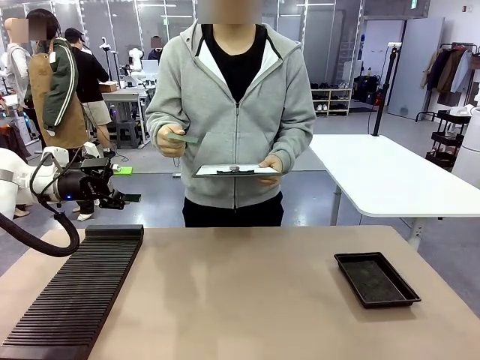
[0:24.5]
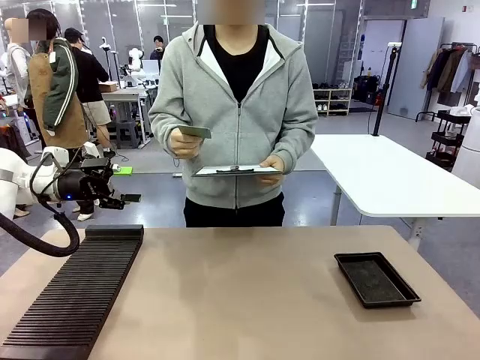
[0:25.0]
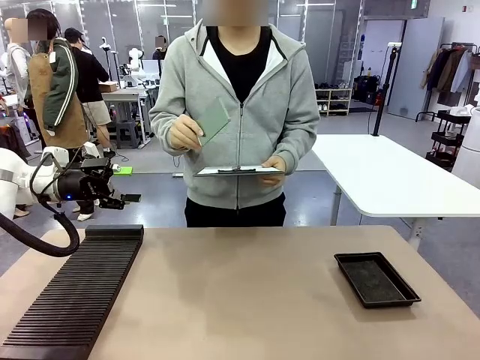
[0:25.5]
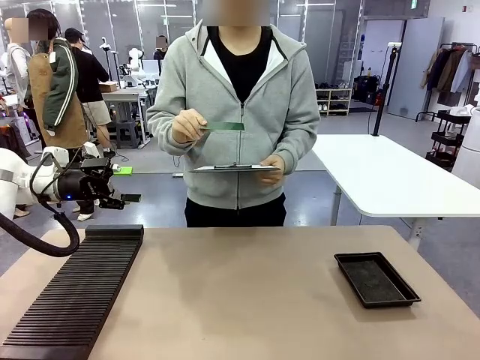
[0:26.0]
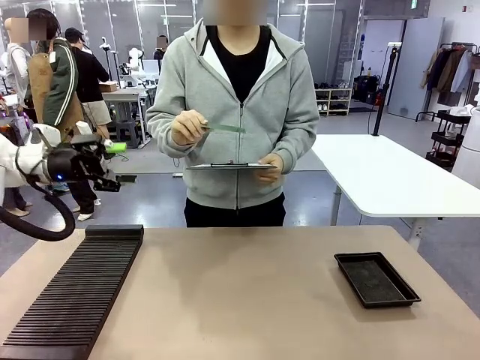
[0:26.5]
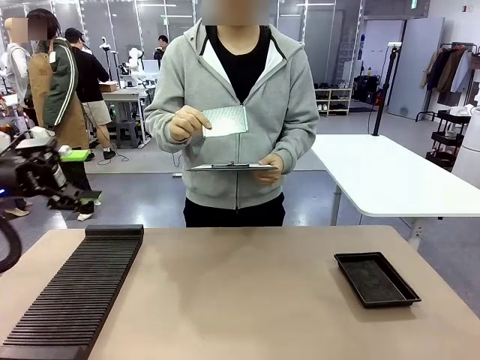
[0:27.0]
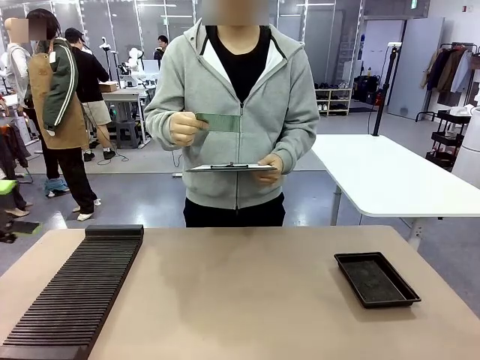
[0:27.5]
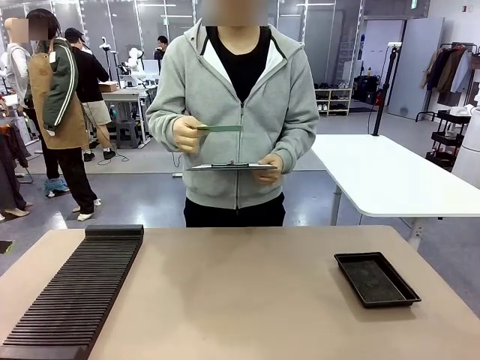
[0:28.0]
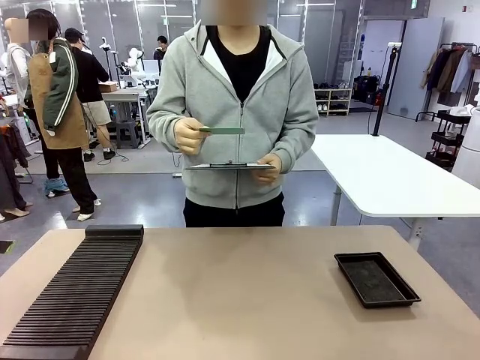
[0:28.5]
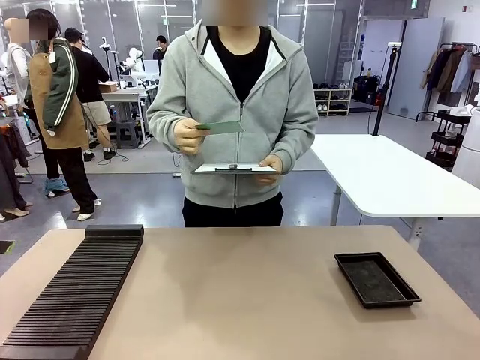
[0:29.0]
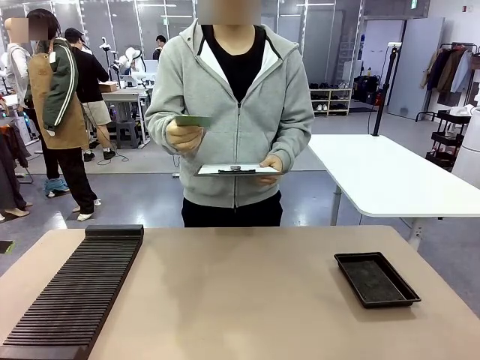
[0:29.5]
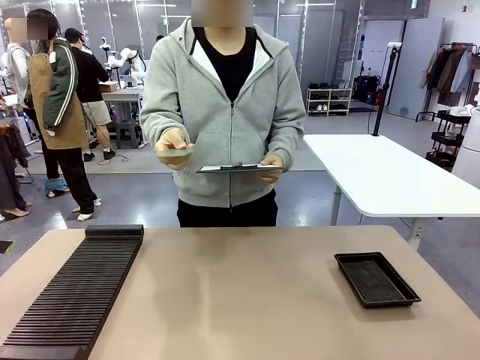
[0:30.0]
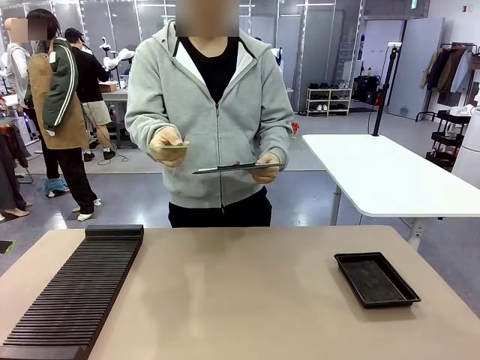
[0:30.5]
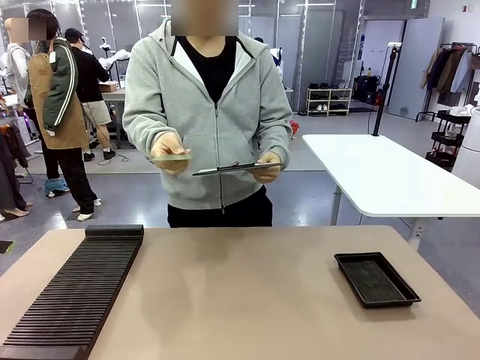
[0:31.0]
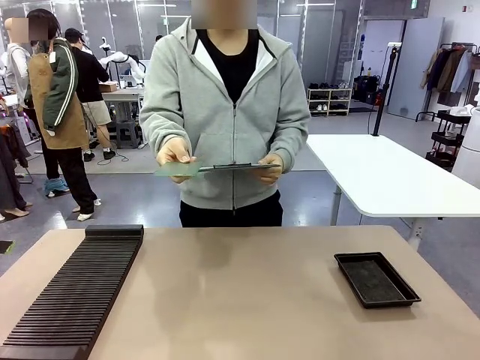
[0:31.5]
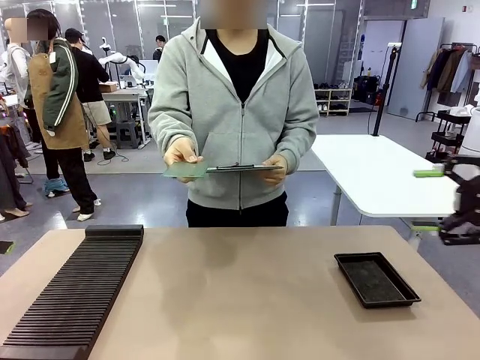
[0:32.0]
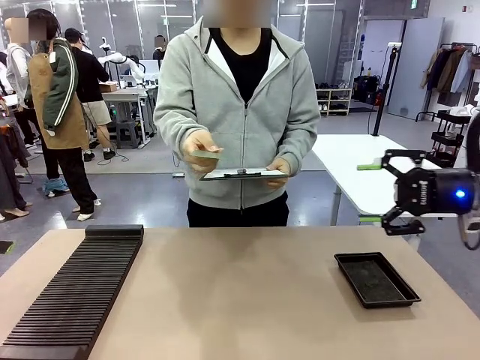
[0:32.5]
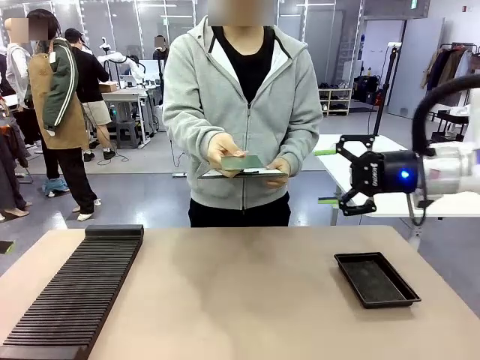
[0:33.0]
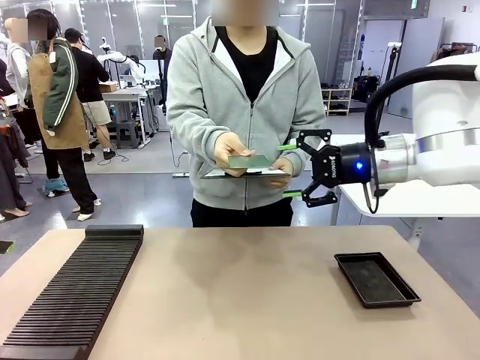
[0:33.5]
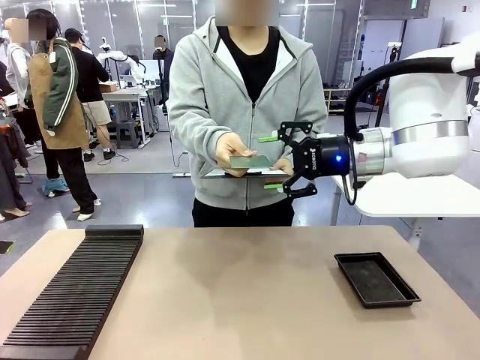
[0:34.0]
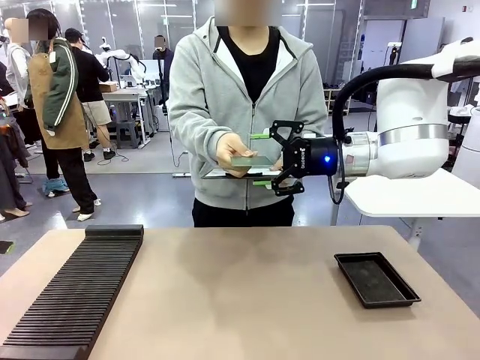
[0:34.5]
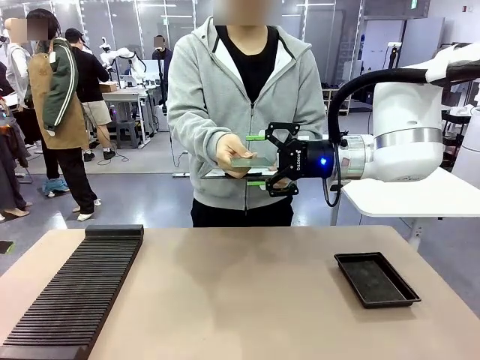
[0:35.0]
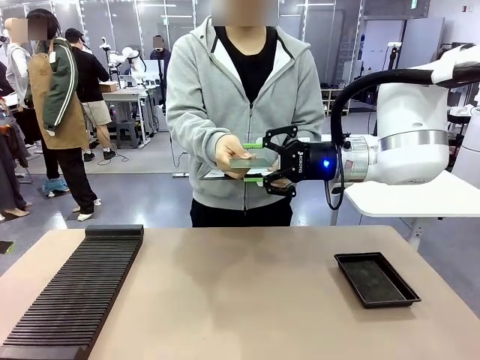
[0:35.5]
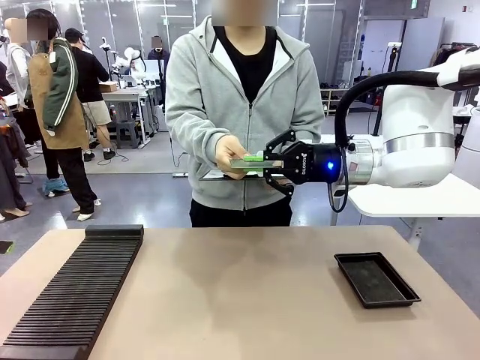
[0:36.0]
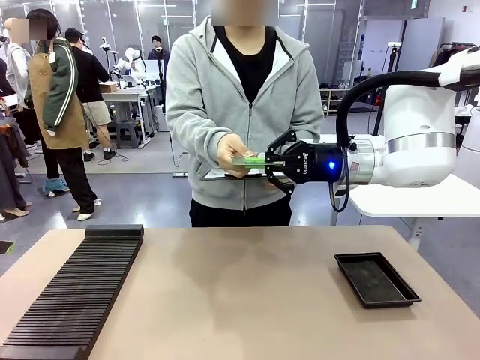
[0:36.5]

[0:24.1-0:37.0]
Task: Inspect the PCB.
Robot: Pick up the Blank PCB that the human is holding.
Person: Inspect the PCB placed by the robot, then hold it out in front of the robot. Release the PCB you were holding.

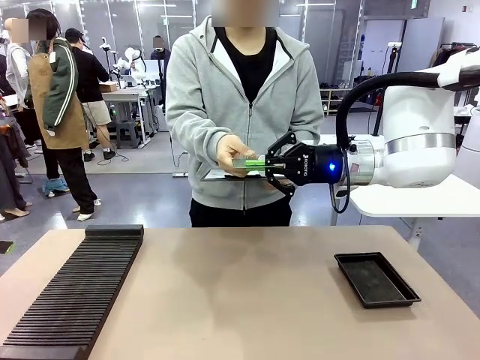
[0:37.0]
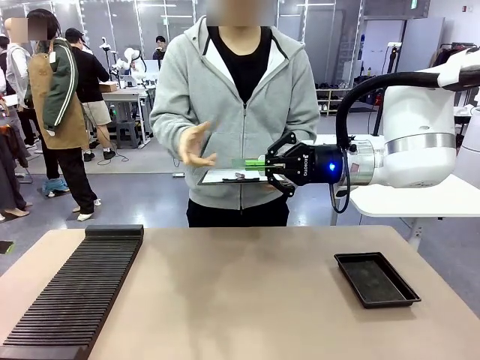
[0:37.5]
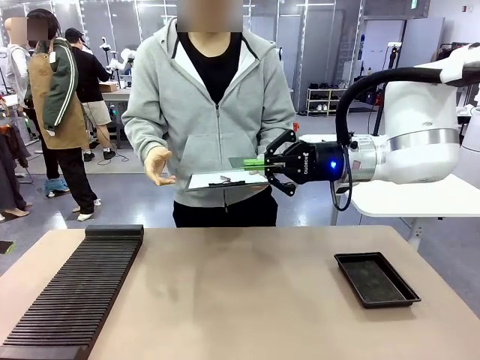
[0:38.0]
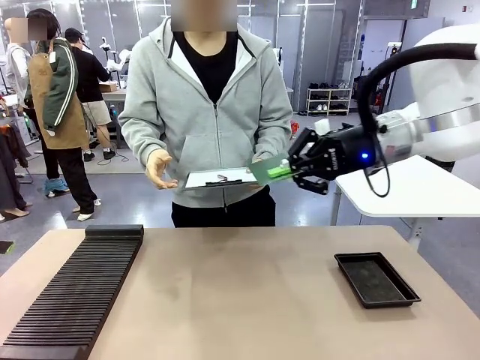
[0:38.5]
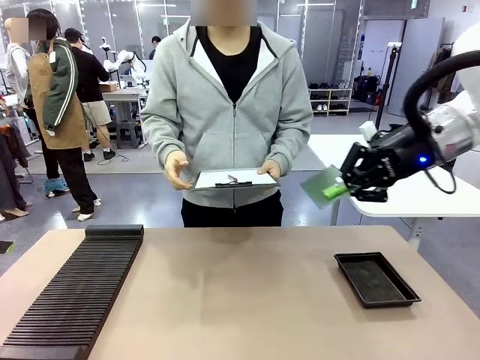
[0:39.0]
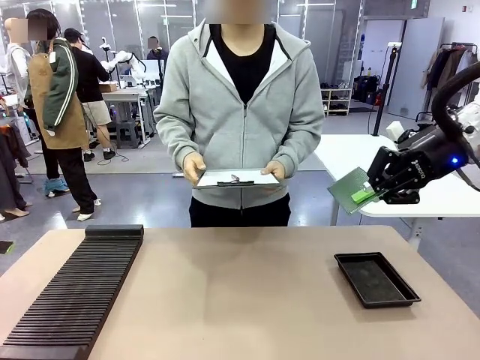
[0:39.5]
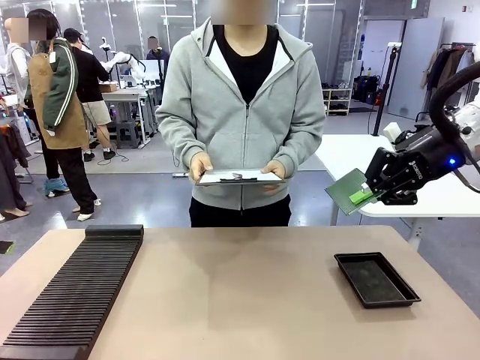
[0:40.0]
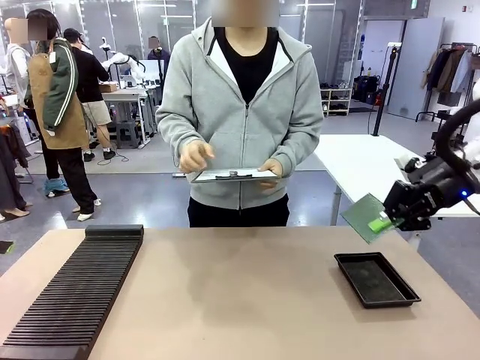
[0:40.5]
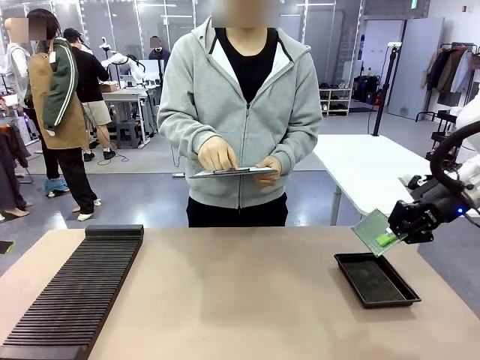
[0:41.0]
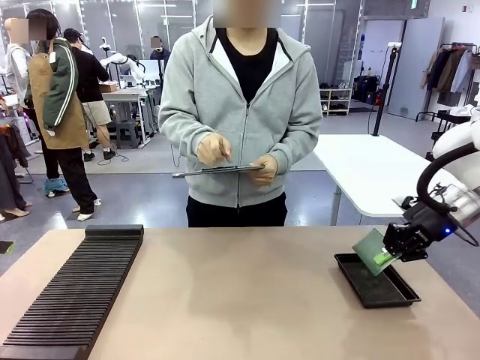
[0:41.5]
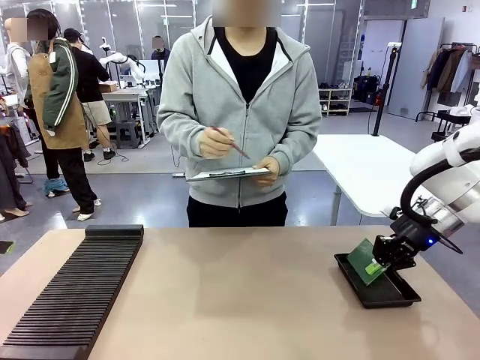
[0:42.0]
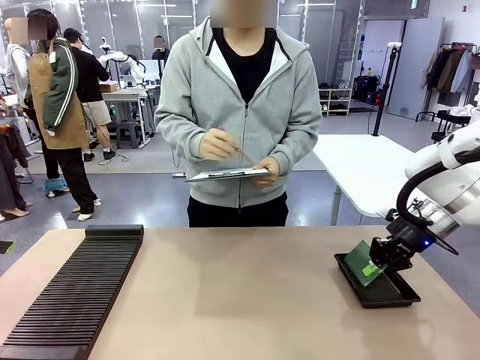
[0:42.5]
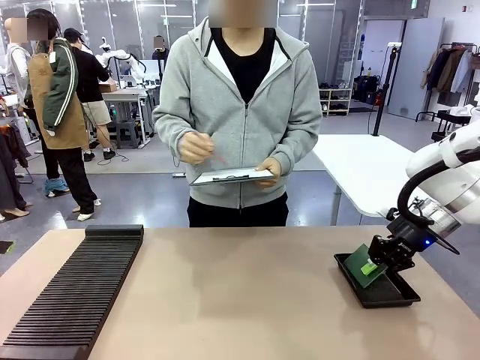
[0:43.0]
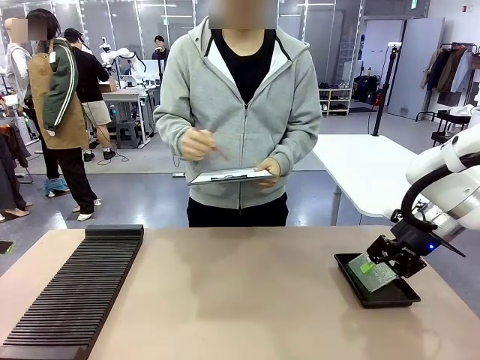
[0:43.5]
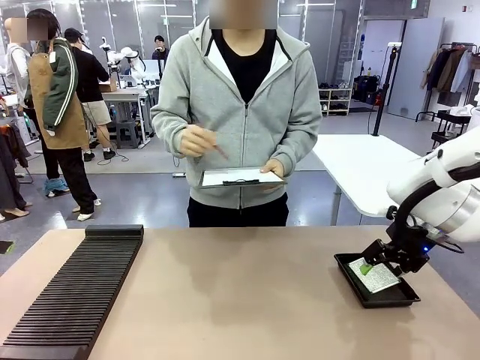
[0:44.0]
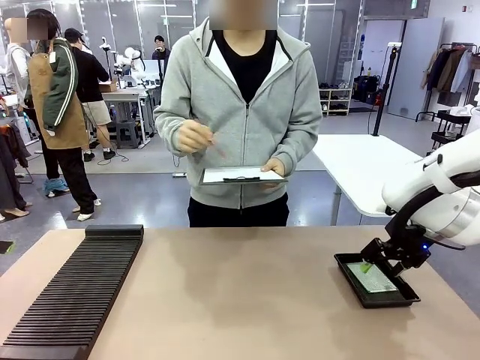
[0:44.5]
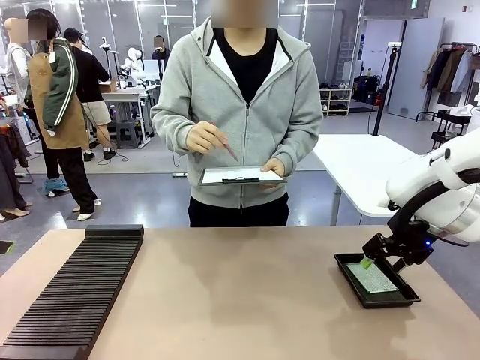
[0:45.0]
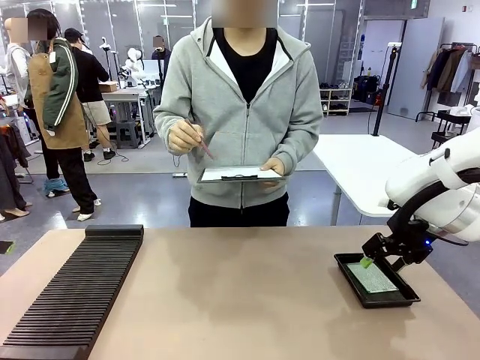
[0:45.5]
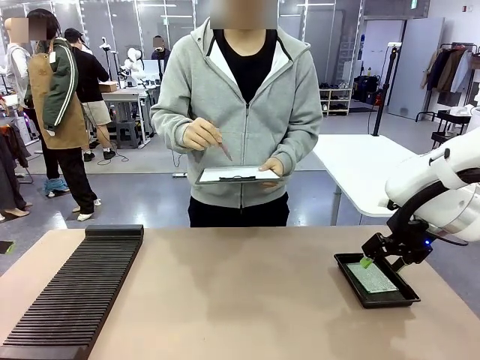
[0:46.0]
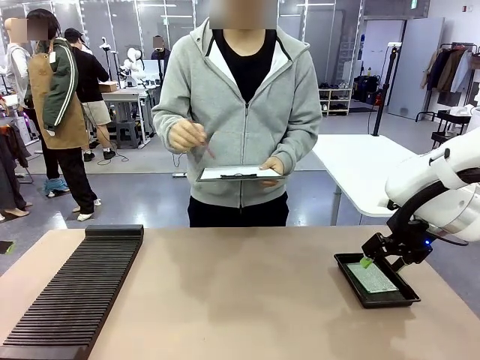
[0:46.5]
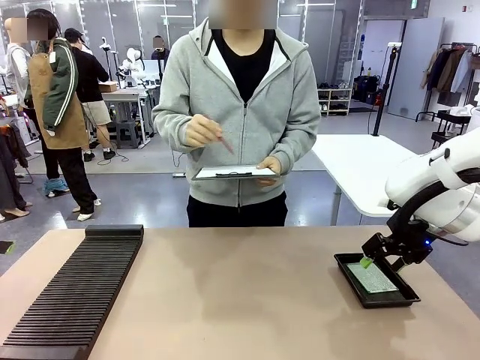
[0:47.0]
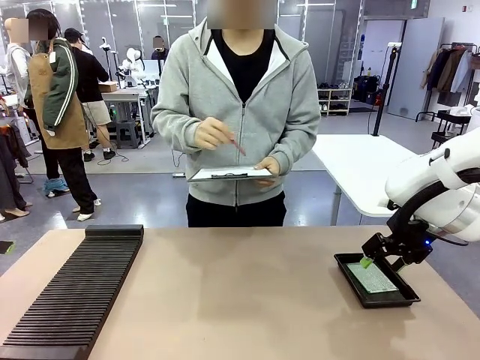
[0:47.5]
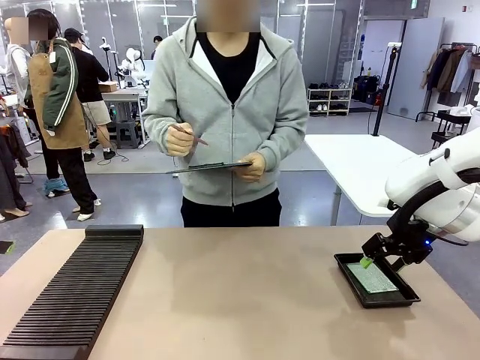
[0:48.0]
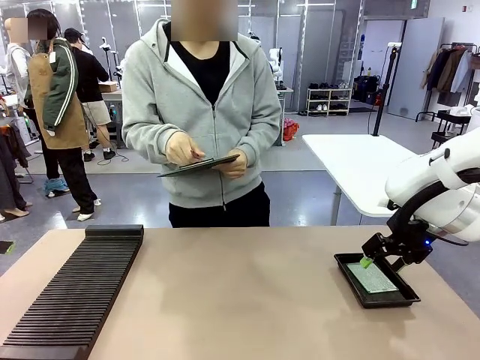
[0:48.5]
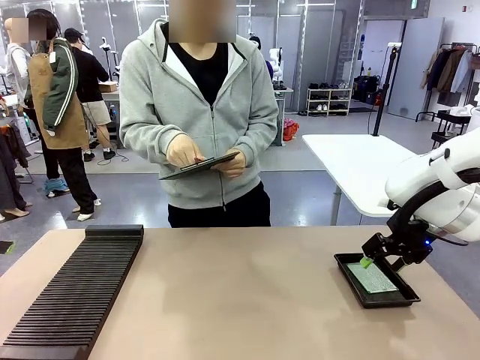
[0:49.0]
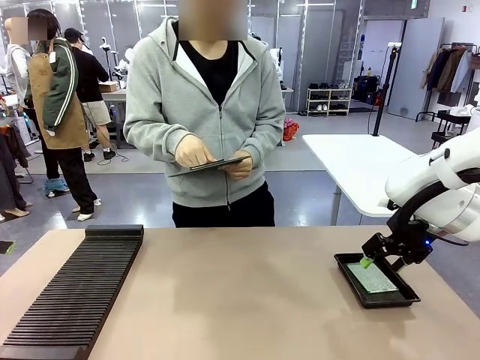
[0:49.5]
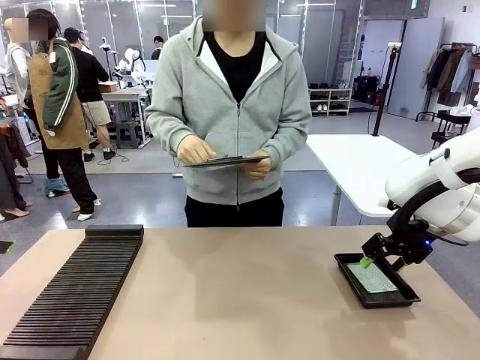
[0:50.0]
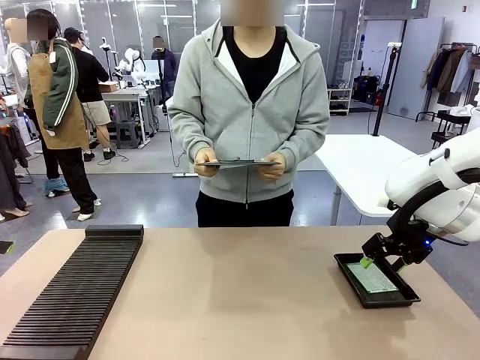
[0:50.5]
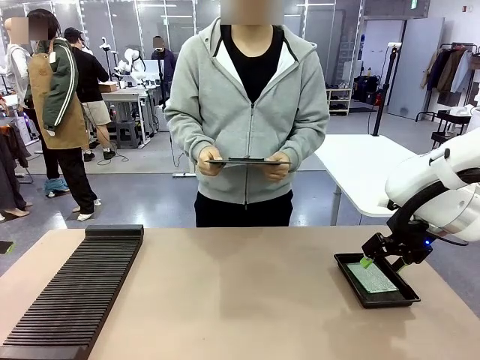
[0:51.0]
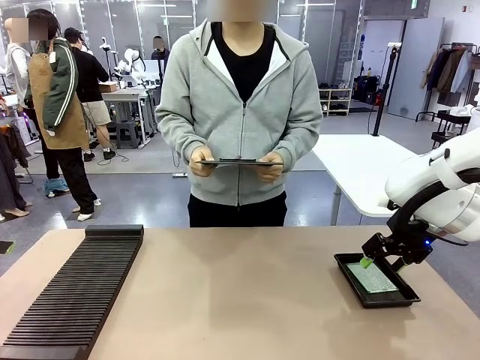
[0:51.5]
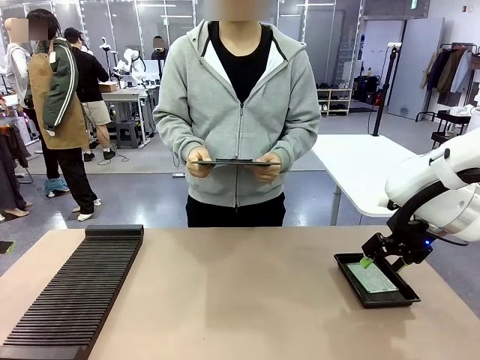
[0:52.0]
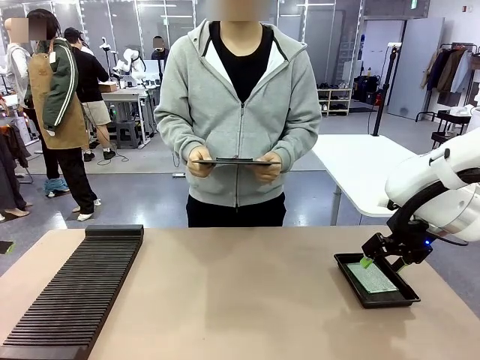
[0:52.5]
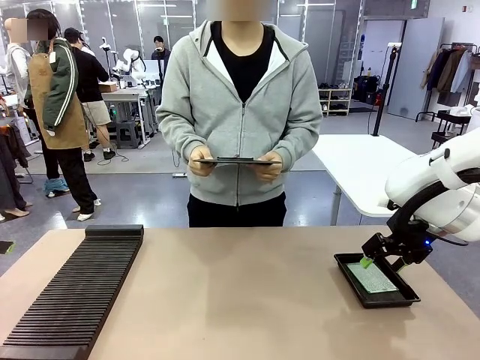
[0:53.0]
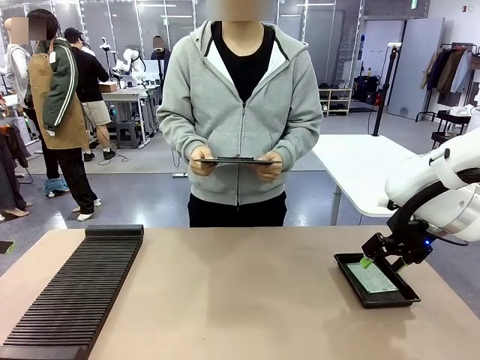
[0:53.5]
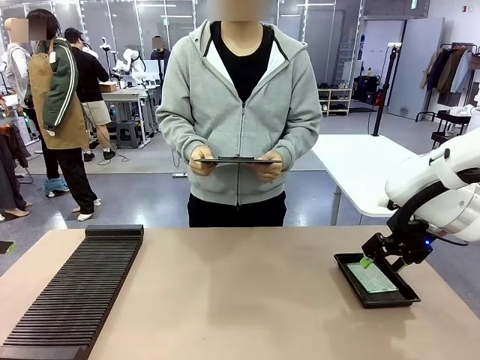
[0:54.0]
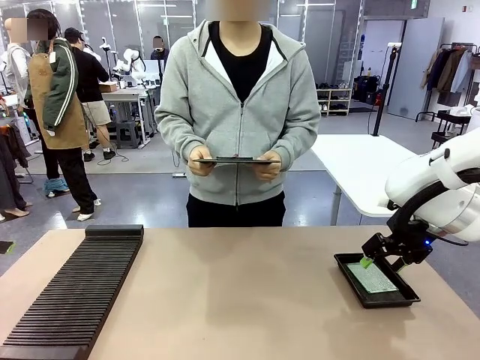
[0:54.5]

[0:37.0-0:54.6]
Robot: Place the Blank PCB in the ESD tray.
Person: Record the PCB status on the paper.
